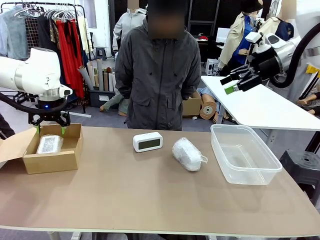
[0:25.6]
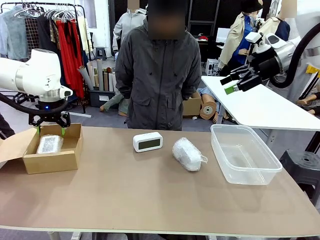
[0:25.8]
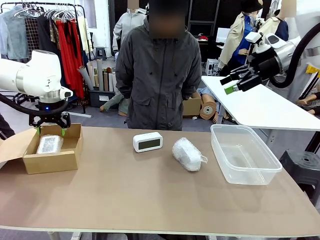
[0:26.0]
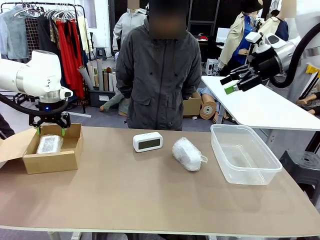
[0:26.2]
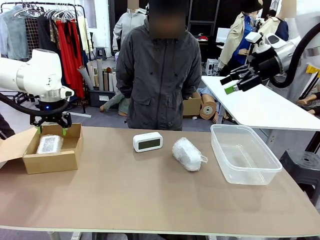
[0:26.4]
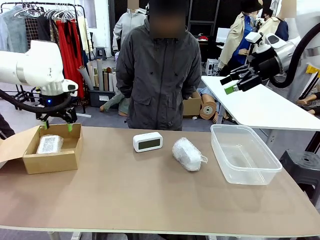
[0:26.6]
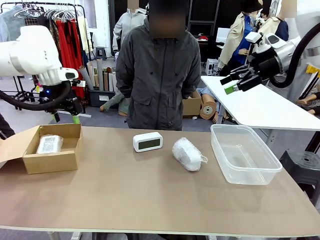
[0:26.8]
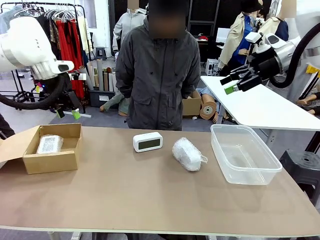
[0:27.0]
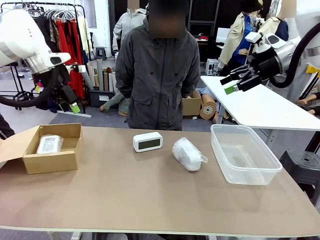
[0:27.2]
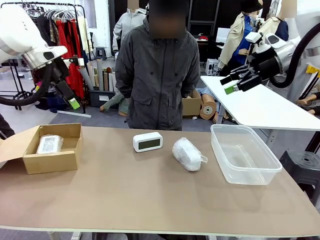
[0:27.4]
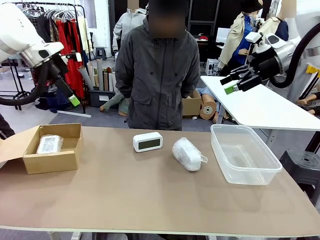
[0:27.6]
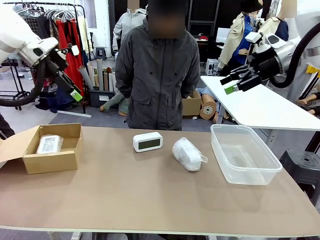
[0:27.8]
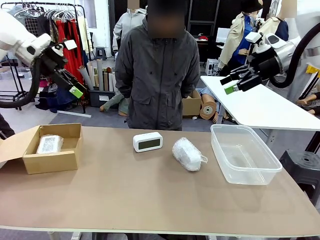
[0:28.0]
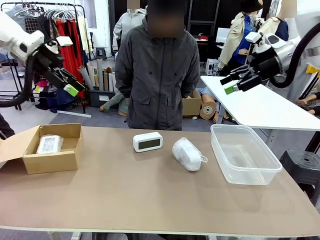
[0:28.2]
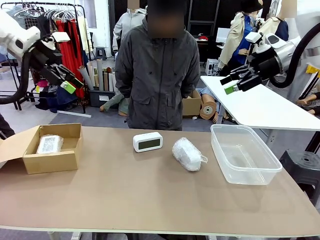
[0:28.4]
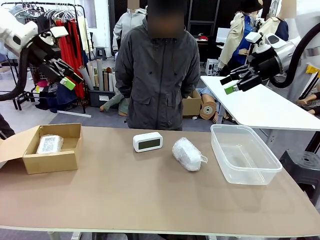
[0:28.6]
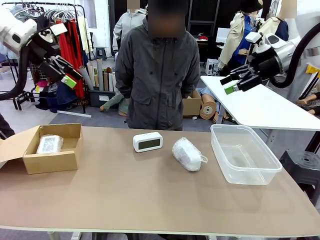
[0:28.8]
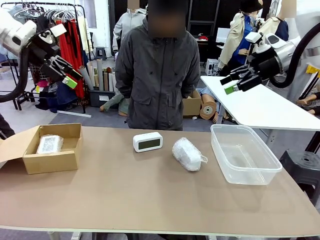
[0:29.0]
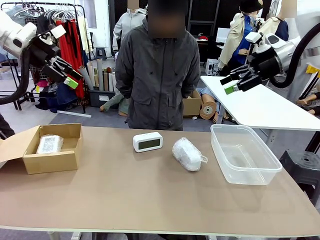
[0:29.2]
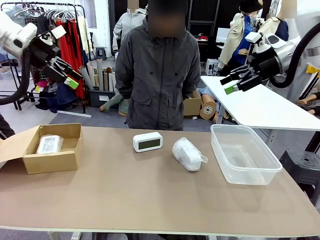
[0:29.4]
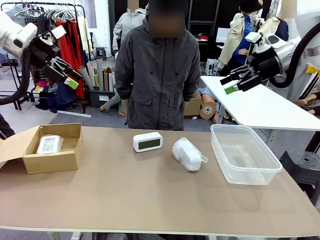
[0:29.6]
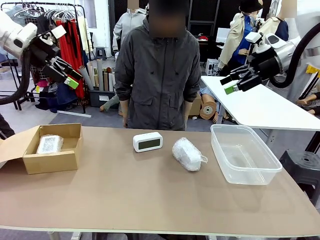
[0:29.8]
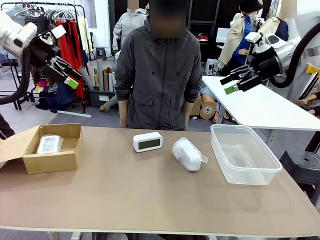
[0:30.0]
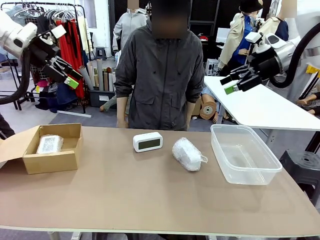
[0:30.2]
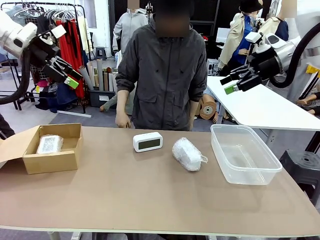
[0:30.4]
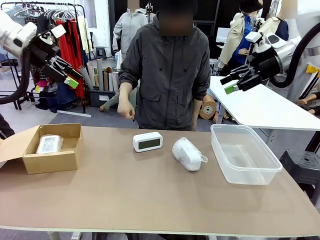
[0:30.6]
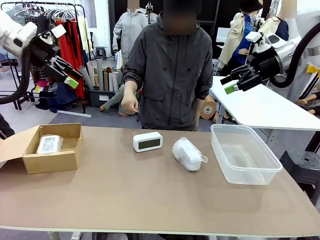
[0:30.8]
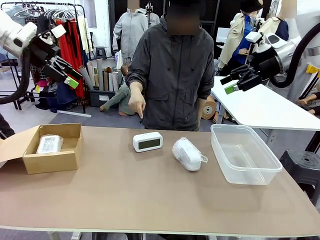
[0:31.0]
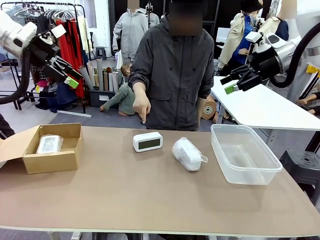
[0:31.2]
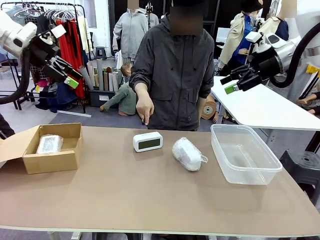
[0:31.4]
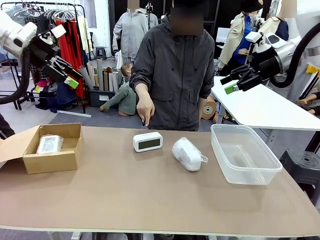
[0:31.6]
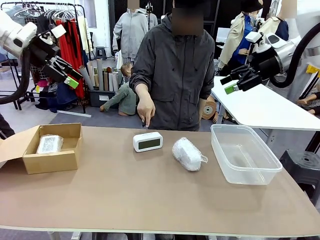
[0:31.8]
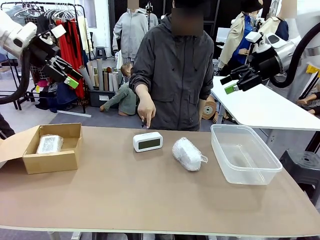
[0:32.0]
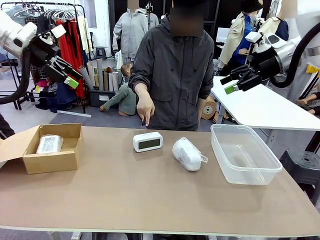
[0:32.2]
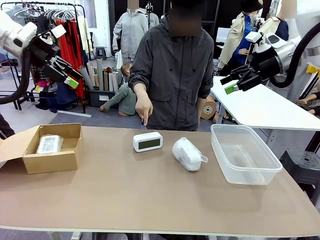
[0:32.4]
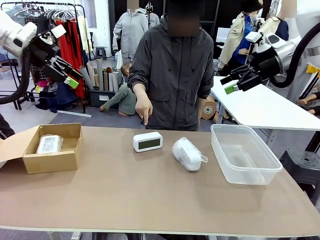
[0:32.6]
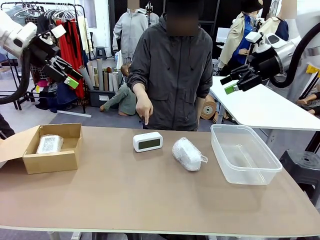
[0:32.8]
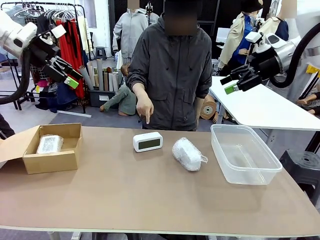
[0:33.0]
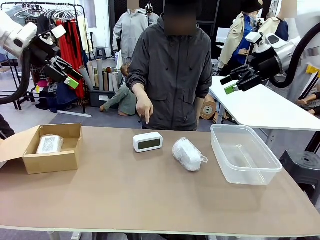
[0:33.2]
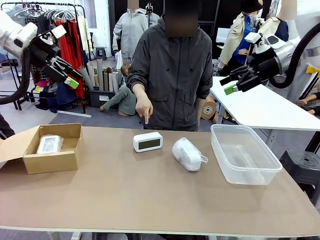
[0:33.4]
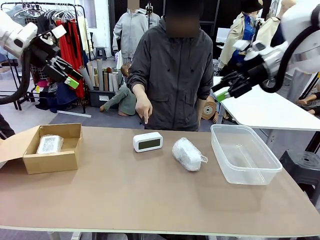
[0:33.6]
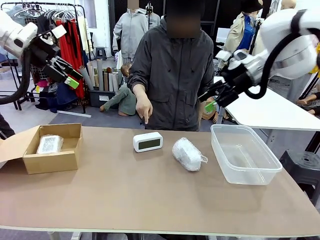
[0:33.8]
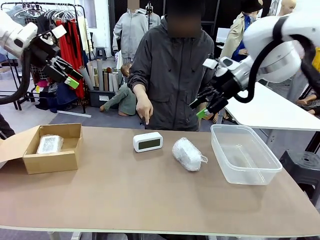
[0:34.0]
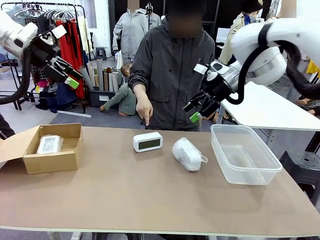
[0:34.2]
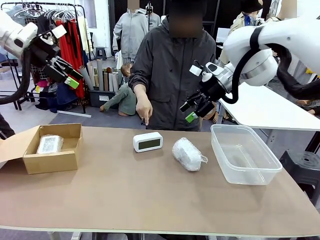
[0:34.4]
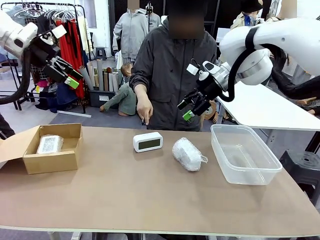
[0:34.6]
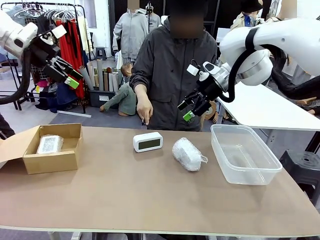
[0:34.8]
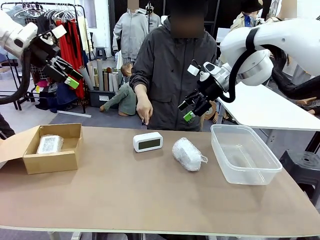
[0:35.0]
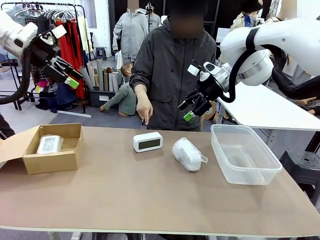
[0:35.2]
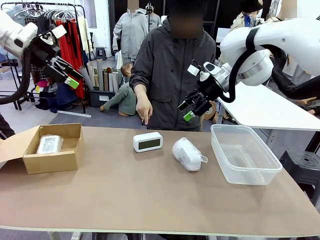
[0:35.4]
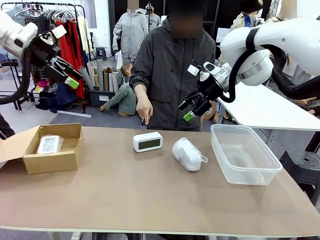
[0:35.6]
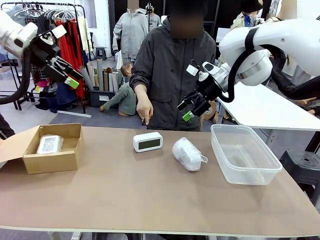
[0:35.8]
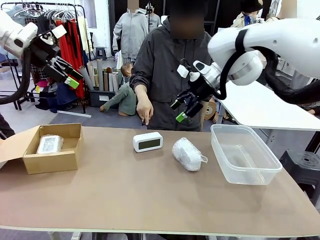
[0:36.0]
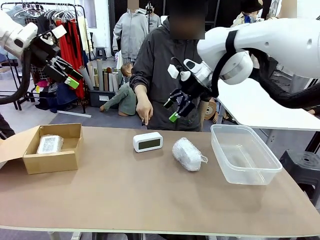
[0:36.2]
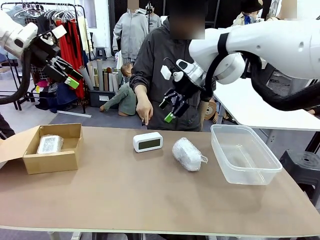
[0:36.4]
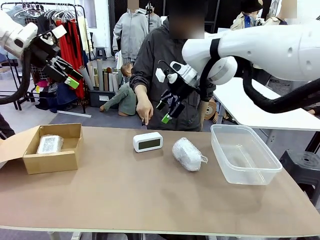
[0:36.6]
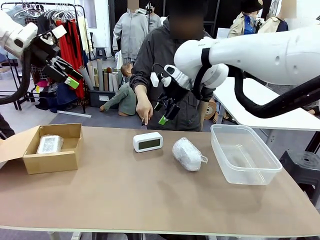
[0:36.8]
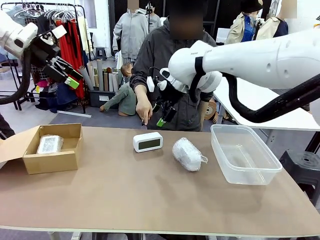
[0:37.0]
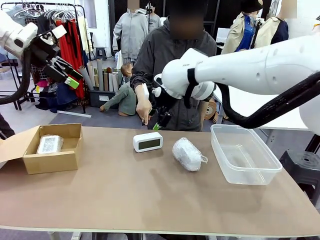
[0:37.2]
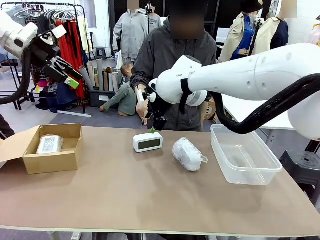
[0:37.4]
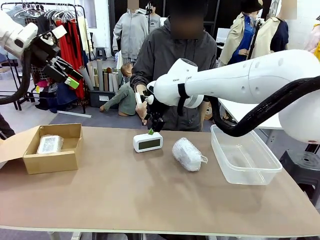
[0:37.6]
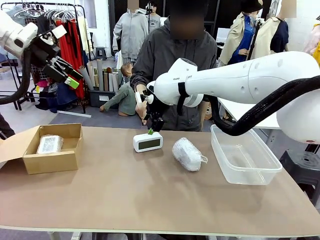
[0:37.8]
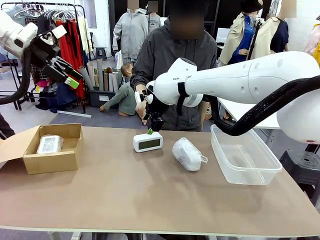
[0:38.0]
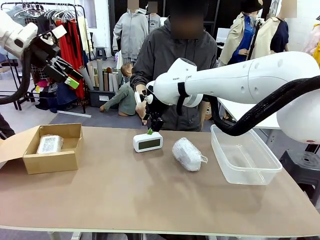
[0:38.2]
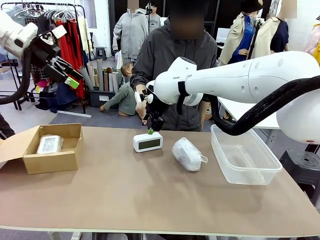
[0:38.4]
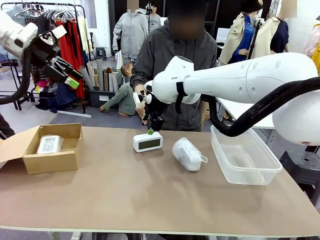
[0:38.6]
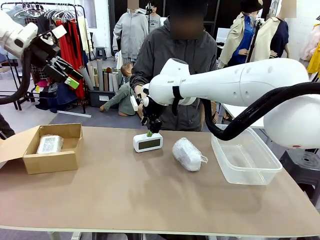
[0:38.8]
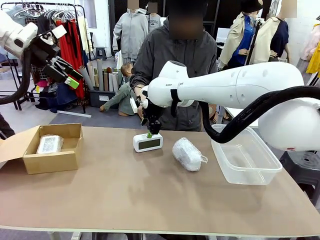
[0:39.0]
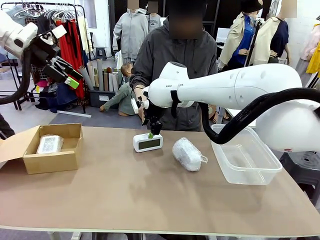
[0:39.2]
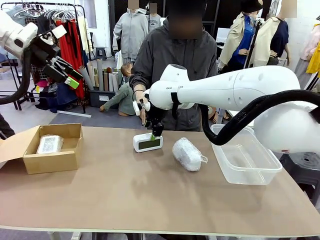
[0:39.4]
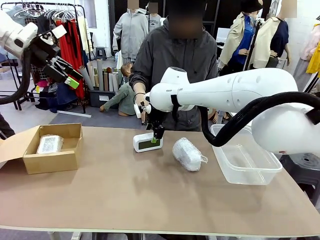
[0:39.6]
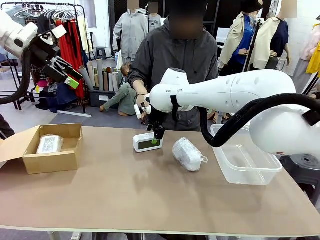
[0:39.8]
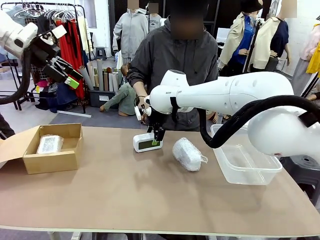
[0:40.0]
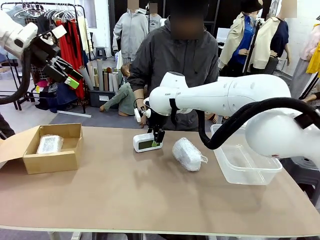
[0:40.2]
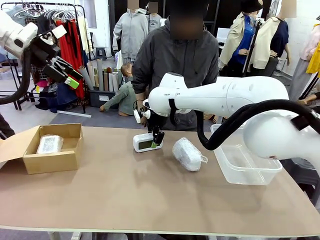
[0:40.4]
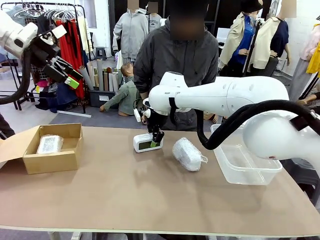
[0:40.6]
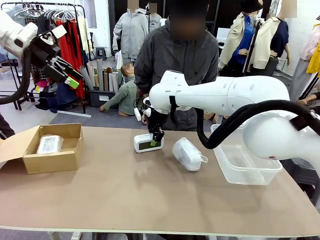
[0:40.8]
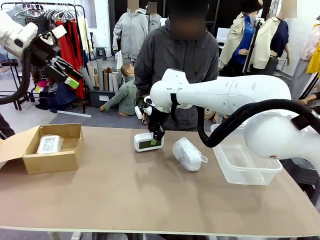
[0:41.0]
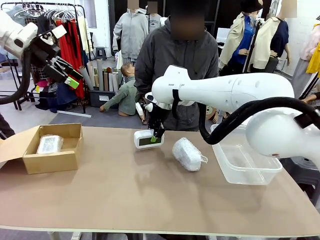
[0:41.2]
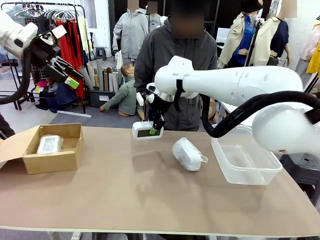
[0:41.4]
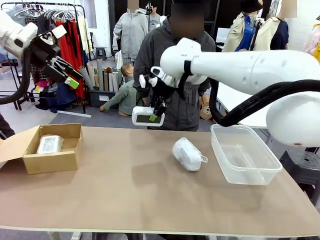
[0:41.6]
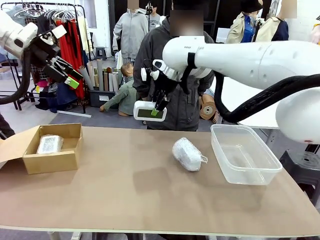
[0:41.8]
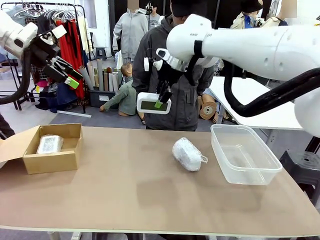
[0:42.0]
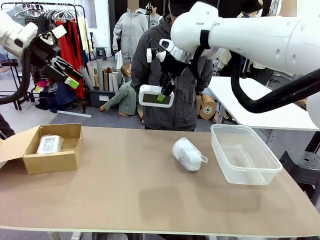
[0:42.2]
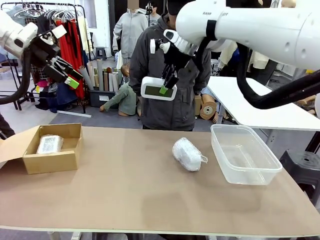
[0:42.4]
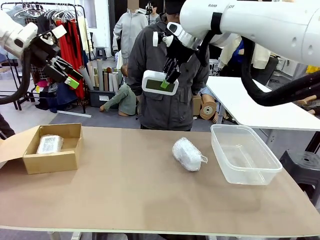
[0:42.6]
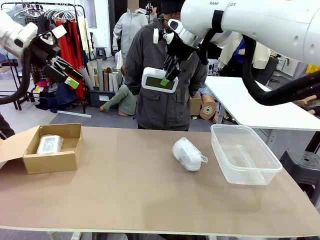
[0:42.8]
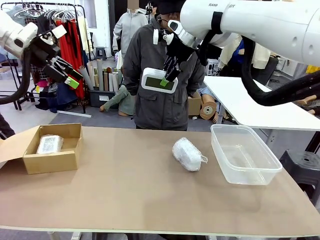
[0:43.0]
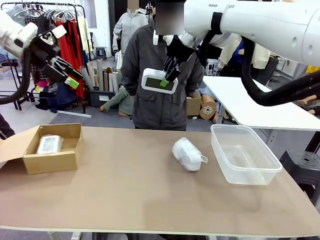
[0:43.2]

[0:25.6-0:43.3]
Task: Separate and place wrapped and unwrapped clocks.
Robot: Pick up the Digital clock indicated by the person.
